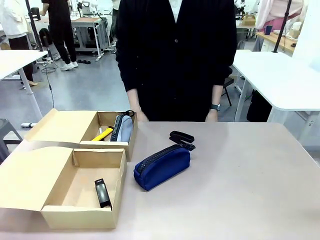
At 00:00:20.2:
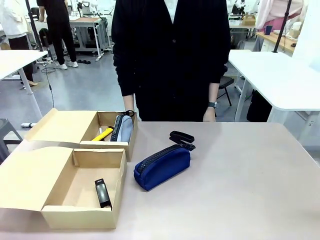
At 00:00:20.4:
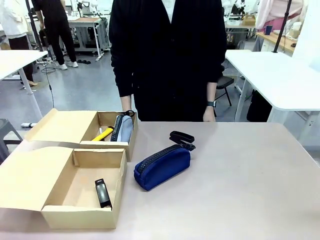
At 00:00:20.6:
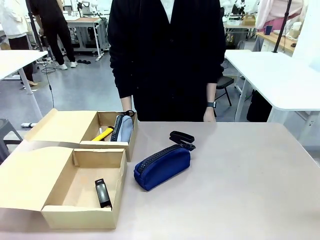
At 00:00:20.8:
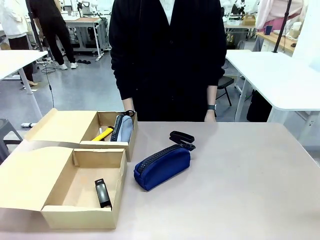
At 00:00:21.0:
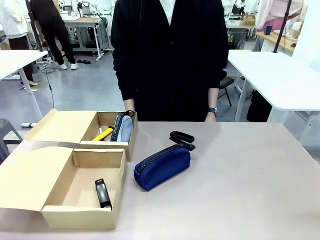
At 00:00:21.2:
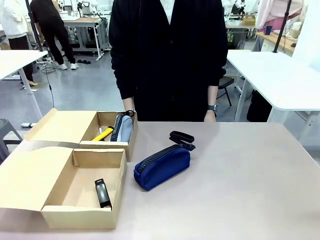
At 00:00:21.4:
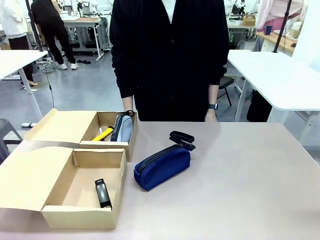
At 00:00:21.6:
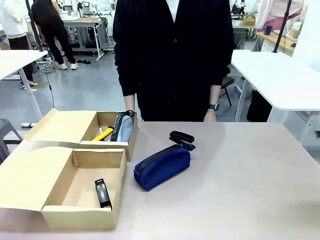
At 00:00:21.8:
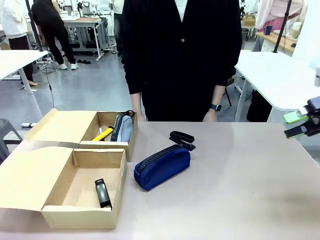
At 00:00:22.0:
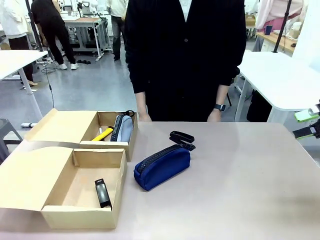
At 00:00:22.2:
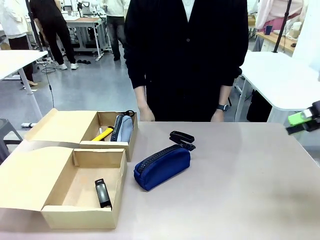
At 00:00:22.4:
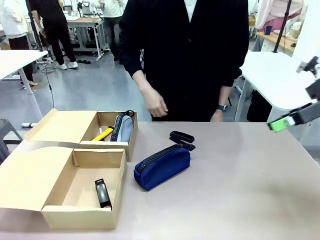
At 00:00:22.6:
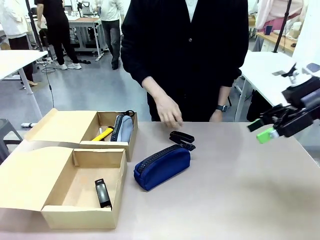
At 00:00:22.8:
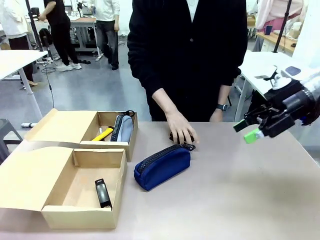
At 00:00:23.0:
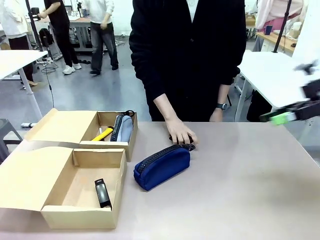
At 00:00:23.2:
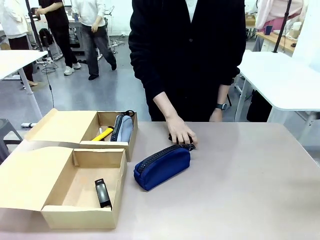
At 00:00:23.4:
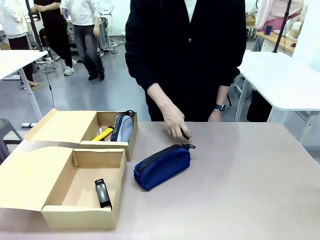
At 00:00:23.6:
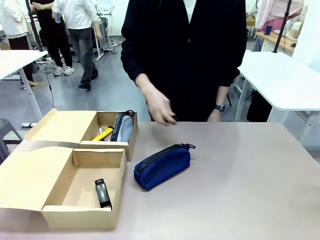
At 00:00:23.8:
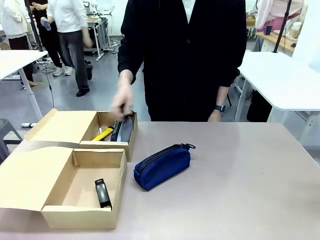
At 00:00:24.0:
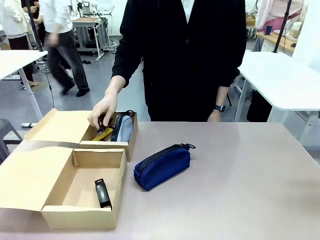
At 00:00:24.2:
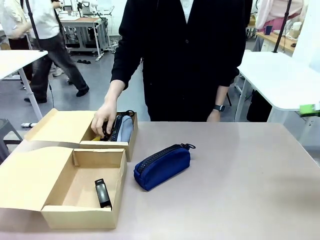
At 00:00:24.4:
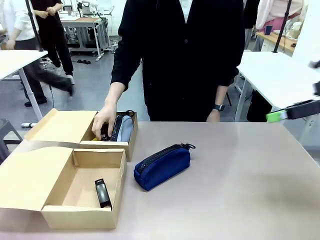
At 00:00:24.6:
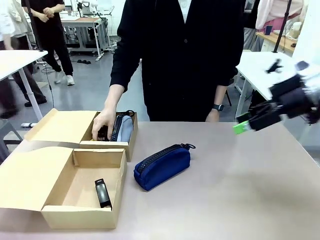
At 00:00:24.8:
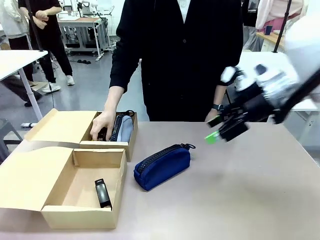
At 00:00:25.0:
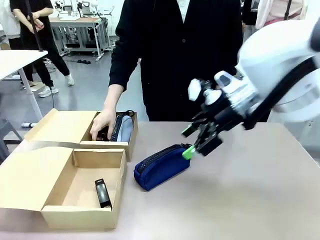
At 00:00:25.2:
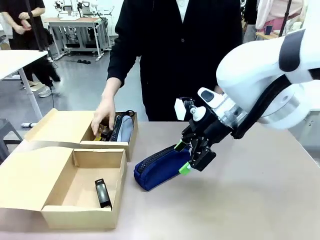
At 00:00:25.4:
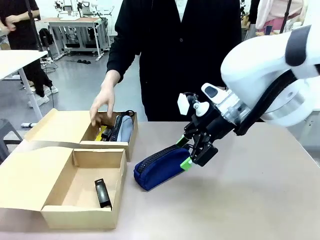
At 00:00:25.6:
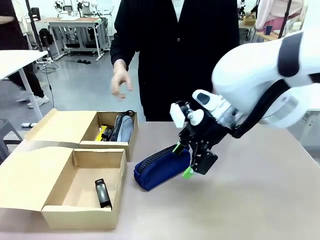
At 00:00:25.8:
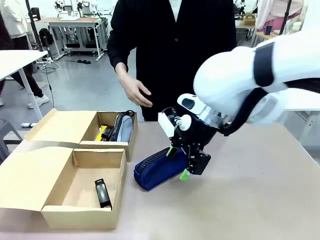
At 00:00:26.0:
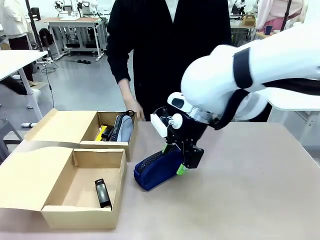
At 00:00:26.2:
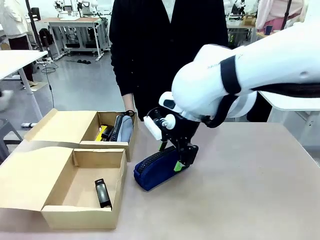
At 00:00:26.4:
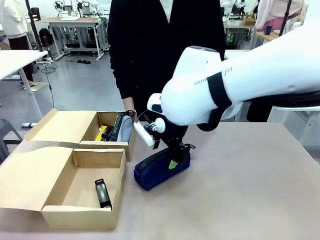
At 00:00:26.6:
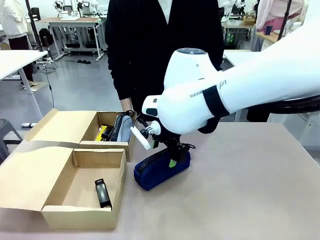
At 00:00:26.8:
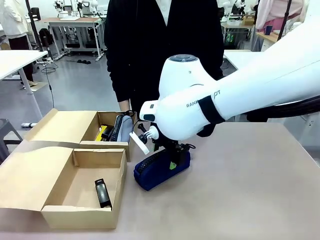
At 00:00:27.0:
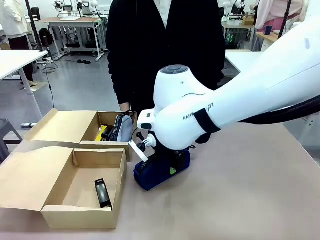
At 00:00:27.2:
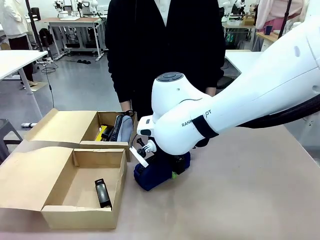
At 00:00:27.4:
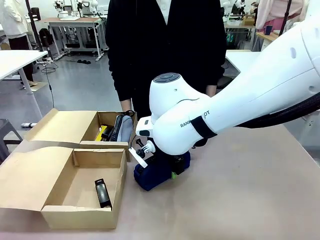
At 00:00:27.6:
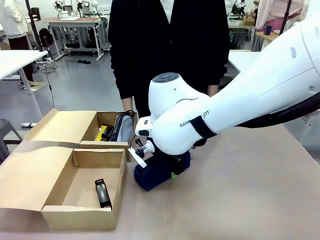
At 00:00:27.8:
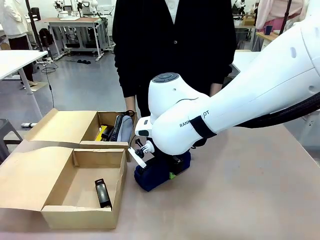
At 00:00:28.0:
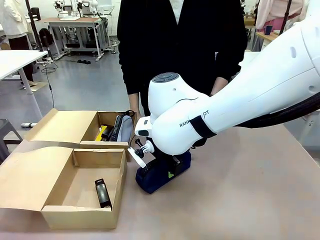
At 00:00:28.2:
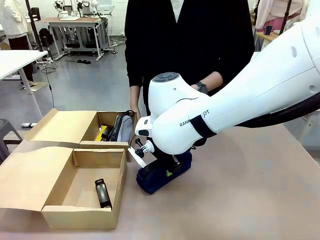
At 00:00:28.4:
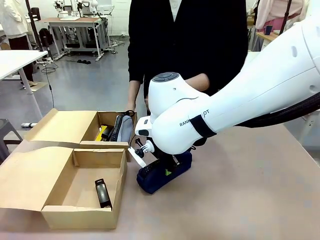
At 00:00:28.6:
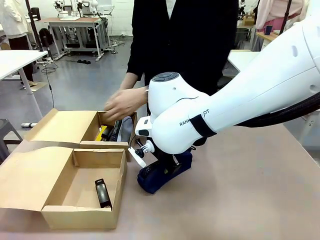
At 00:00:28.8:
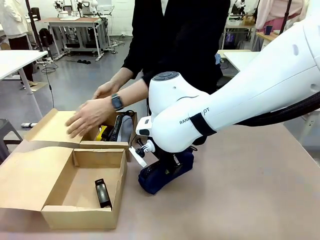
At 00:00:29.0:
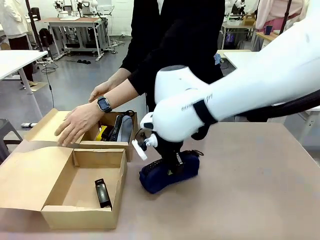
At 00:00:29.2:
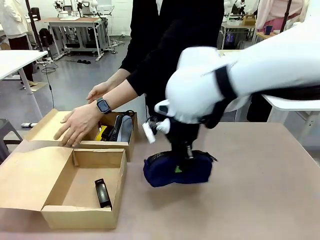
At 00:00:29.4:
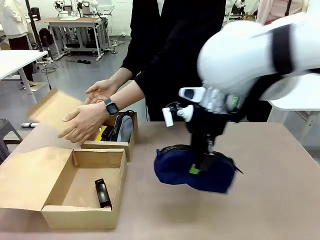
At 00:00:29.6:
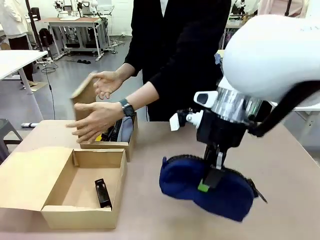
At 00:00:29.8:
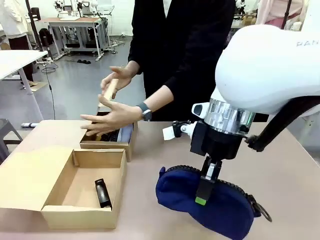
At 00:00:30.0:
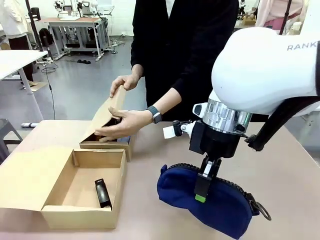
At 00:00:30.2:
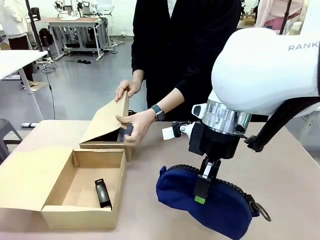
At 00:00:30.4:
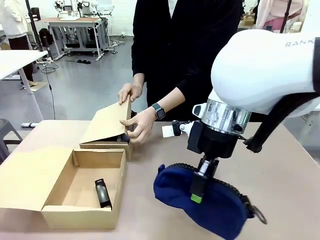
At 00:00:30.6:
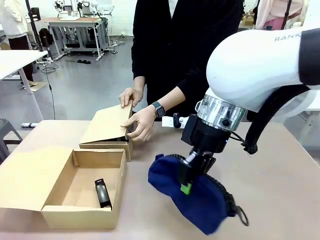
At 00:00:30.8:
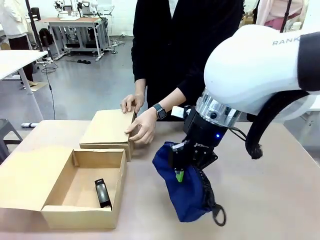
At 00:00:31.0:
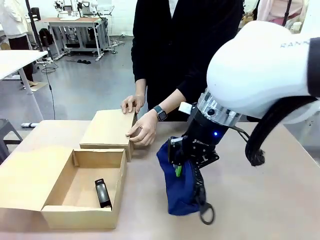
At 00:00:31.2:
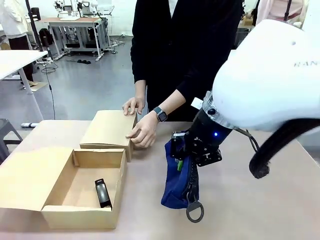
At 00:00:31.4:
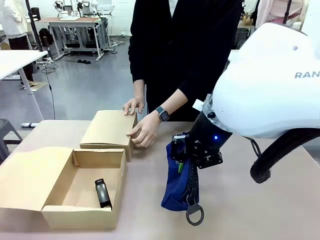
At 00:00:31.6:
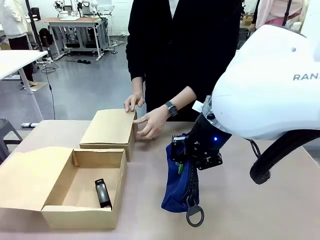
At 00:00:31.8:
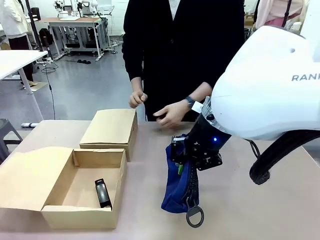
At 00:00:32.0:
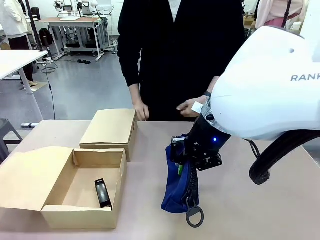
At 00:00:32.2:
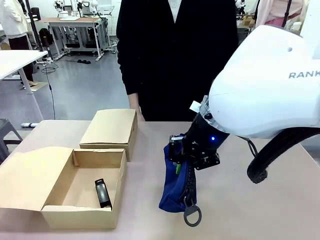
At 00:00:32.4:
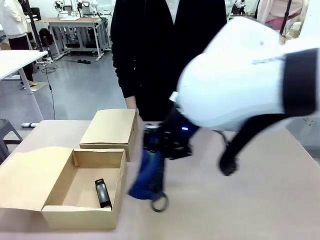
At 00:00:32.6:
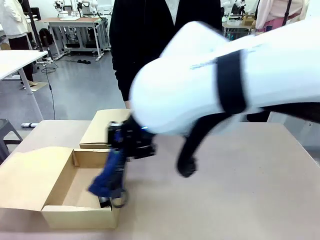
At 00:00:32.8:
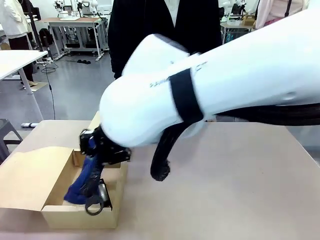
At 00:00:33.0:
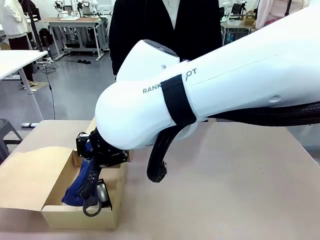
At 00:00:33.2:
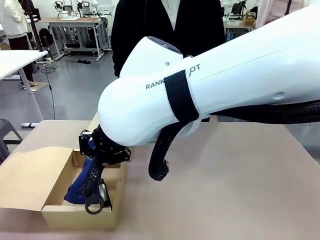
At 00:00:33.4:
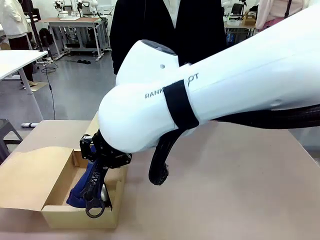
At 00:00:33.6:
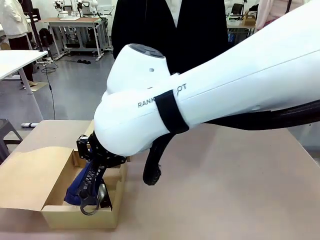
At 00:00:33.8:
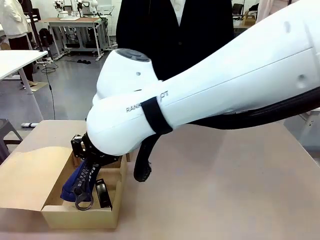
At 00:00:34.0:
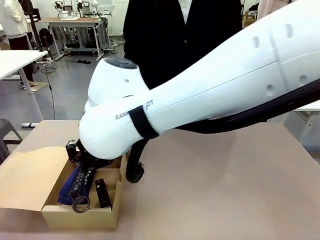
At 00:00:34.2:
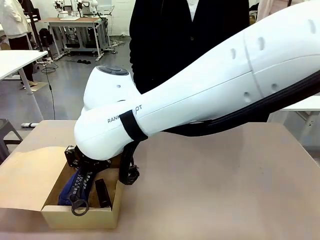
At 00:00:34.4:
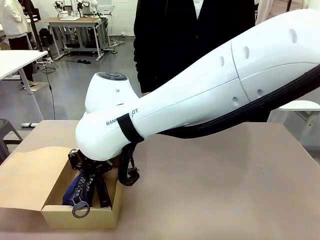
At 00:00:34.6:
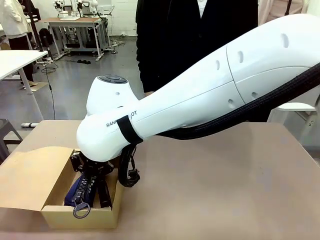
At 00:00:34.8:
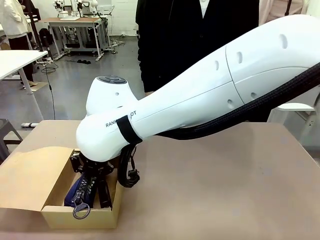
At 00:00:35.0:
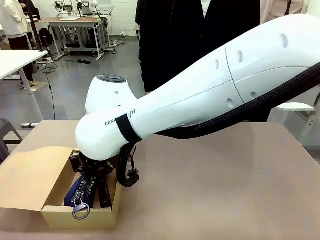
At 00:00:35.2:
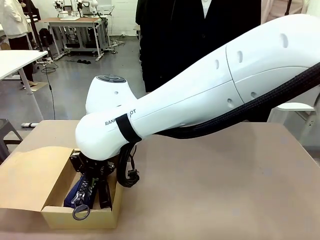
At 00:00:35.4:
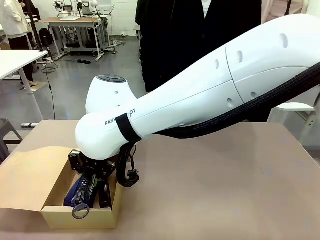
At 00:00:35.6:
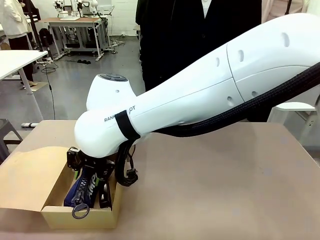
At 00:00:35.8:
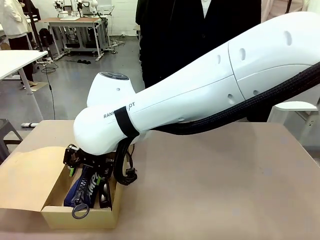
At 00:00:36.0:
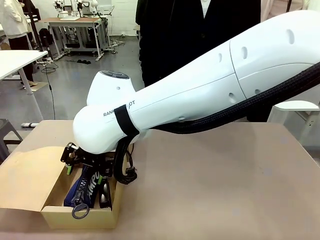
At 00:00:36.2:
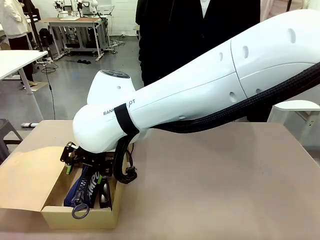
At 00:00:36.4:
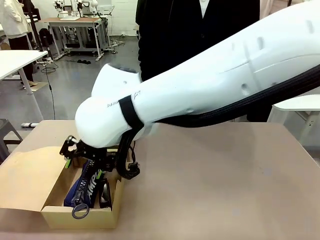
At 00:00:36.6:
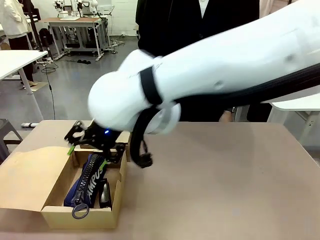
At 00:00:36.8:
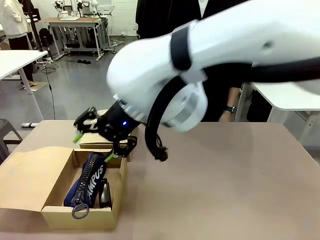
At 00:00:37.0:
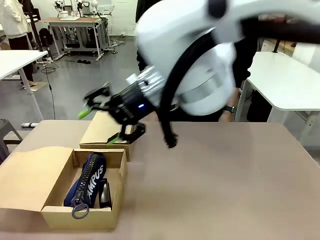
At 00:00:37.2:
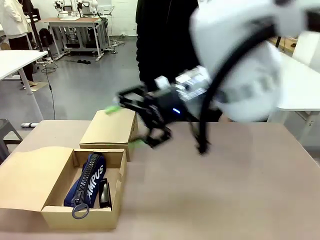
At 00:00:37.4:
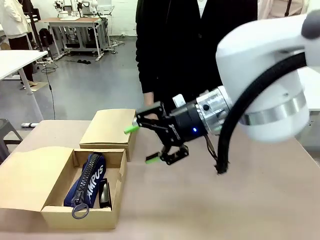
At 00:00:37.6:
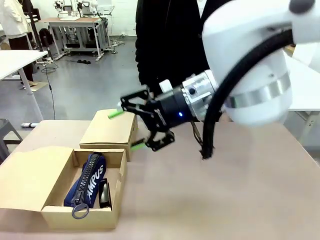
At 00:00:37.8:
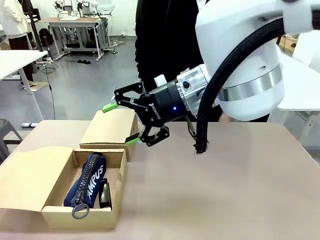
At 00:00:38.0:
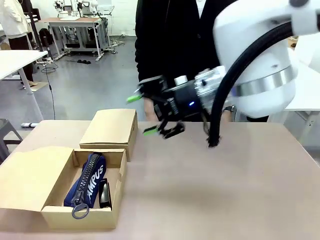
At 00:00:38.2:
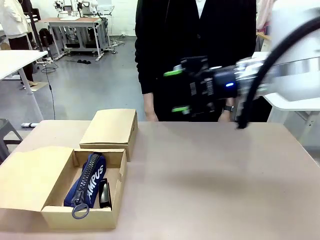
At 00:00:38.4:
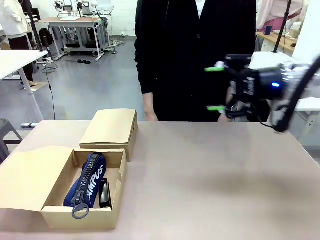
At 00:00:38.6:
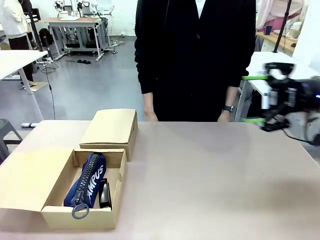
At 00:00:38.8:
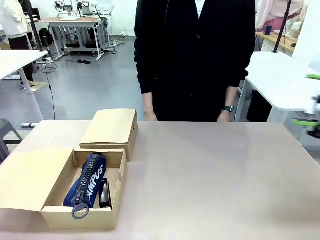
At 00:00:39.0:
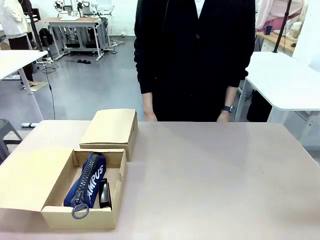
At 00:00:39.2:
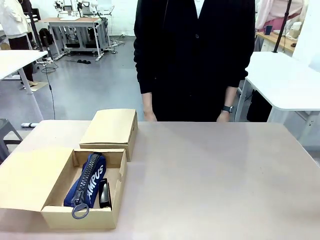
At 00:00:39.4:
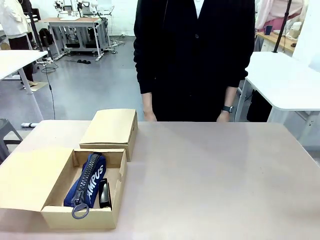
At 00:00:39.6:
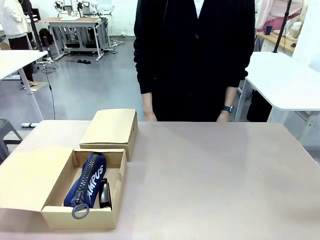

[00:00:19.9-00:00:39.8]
Task: Place items inside the box.
Robot: Pick up a Pencil pouch or Stapler and place it inside the Mailer Box closest to the robot.
Person: Close the lid of the box facing the person.
